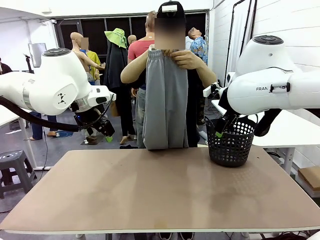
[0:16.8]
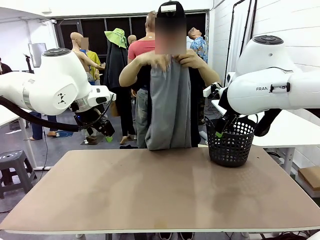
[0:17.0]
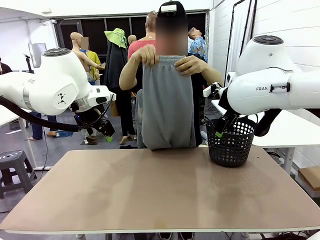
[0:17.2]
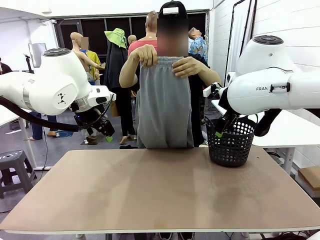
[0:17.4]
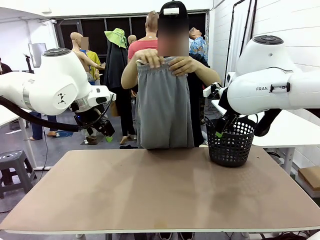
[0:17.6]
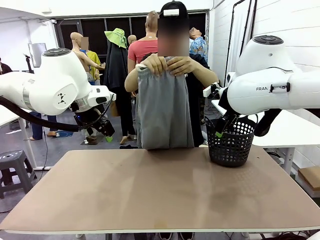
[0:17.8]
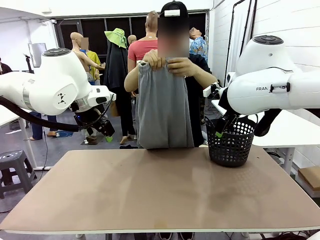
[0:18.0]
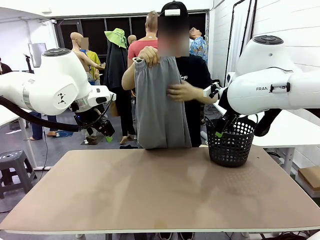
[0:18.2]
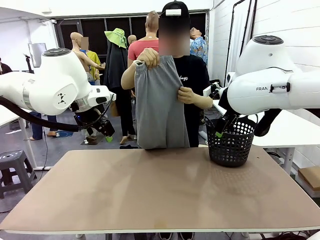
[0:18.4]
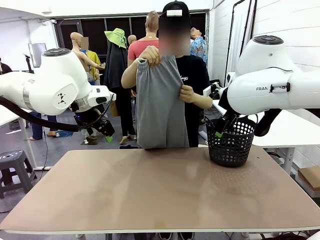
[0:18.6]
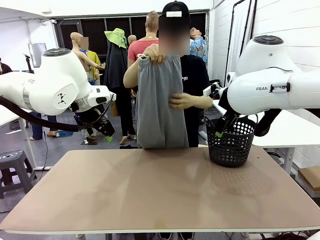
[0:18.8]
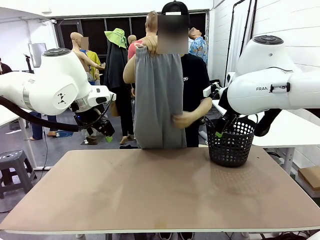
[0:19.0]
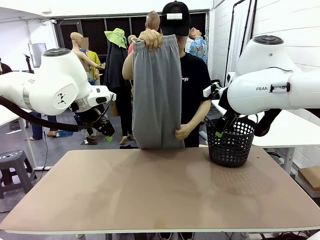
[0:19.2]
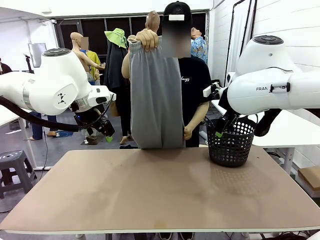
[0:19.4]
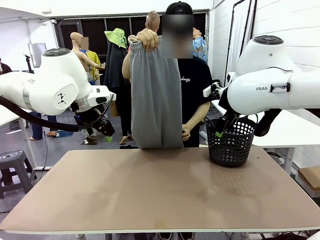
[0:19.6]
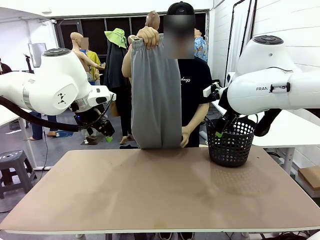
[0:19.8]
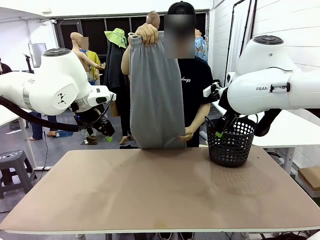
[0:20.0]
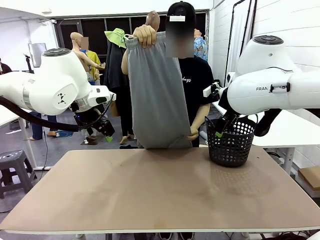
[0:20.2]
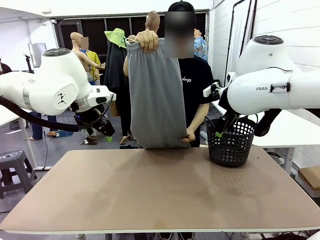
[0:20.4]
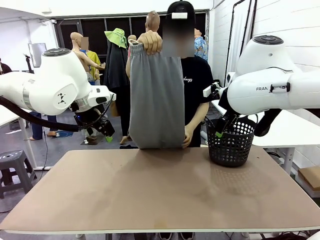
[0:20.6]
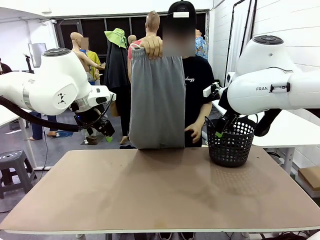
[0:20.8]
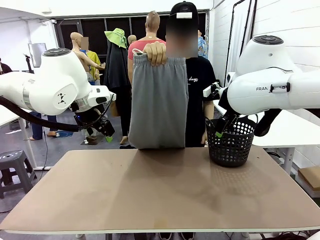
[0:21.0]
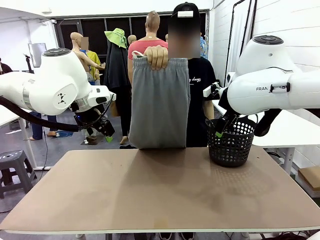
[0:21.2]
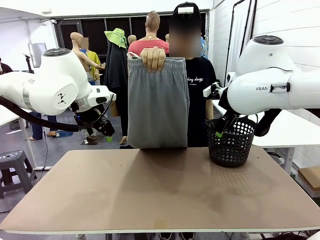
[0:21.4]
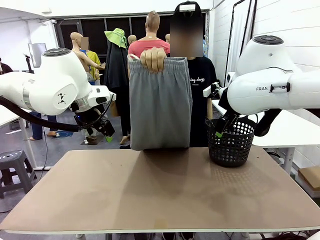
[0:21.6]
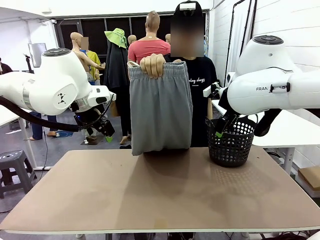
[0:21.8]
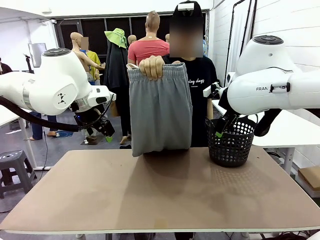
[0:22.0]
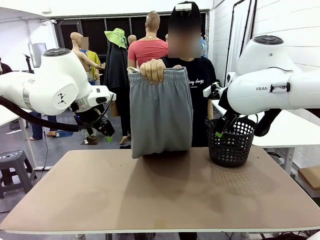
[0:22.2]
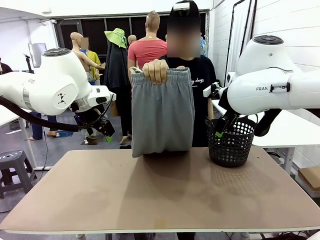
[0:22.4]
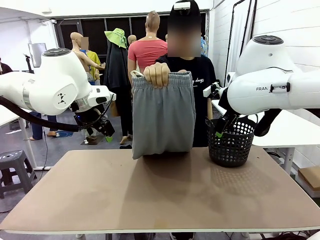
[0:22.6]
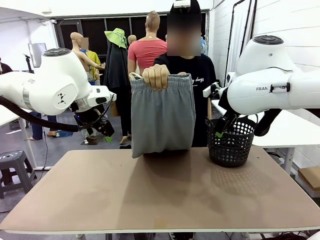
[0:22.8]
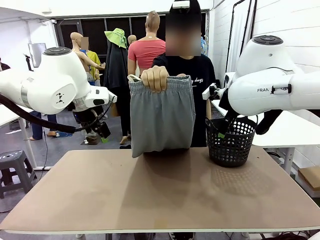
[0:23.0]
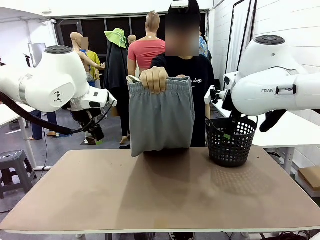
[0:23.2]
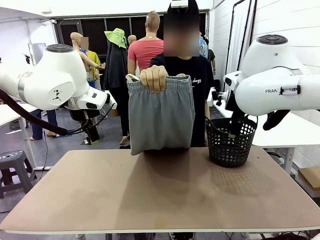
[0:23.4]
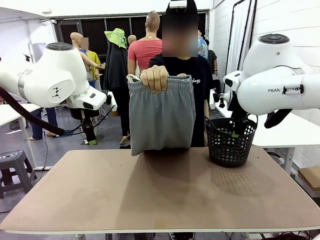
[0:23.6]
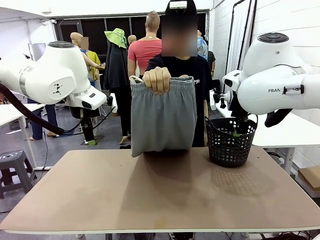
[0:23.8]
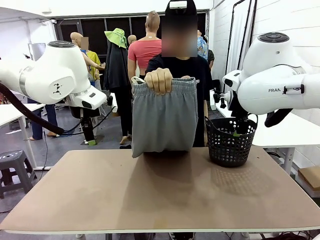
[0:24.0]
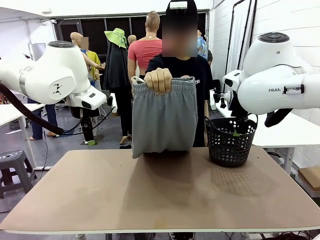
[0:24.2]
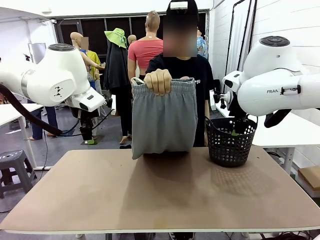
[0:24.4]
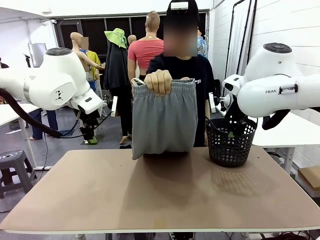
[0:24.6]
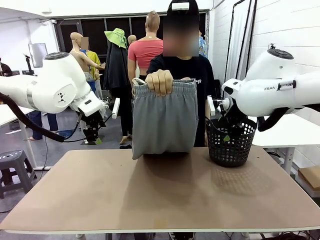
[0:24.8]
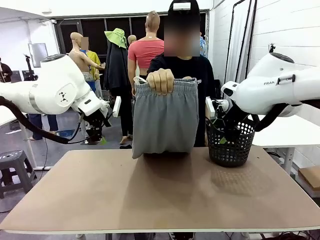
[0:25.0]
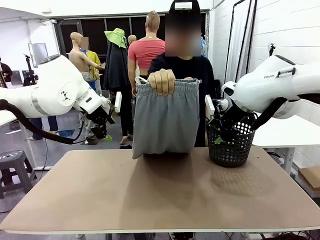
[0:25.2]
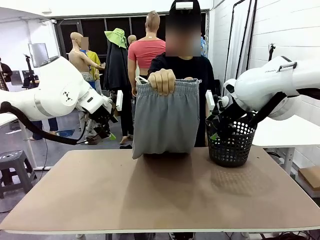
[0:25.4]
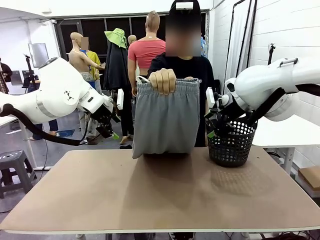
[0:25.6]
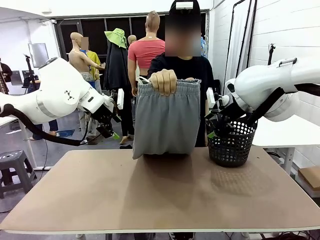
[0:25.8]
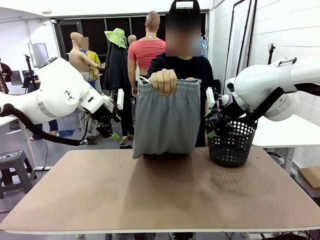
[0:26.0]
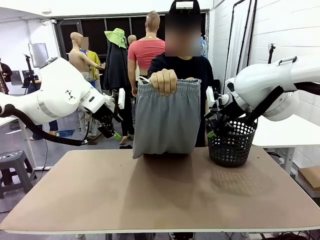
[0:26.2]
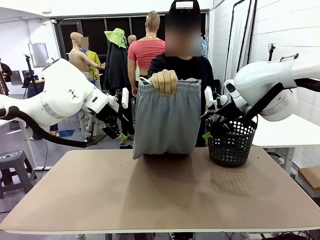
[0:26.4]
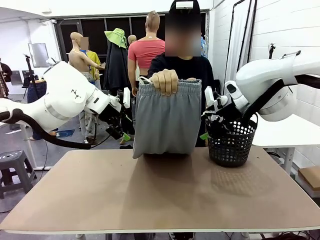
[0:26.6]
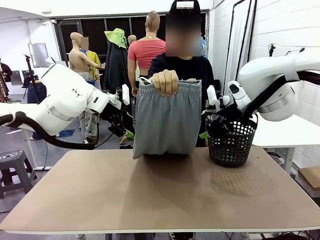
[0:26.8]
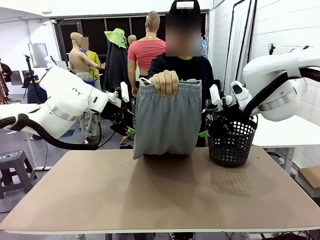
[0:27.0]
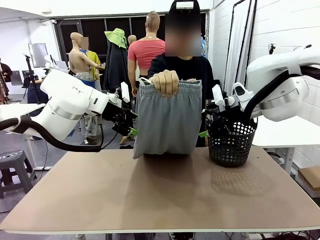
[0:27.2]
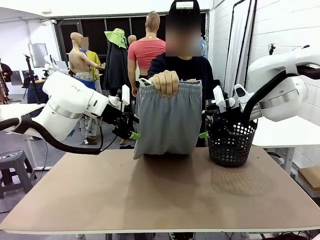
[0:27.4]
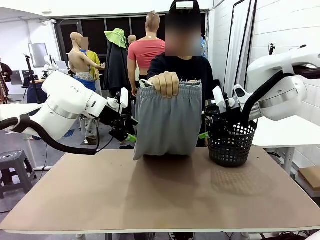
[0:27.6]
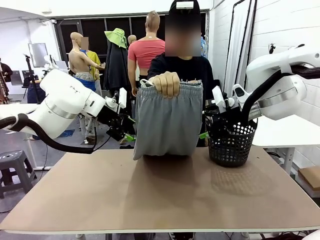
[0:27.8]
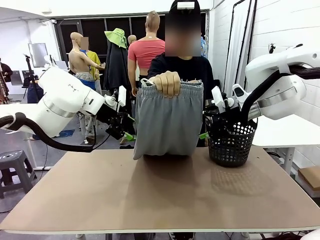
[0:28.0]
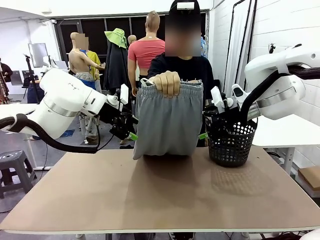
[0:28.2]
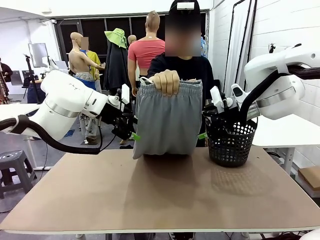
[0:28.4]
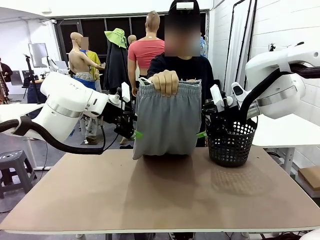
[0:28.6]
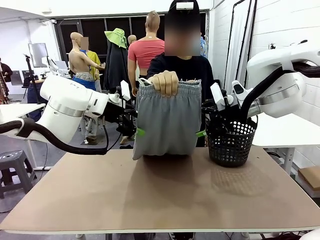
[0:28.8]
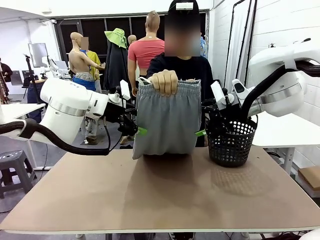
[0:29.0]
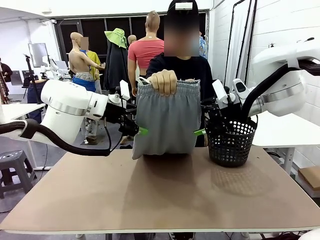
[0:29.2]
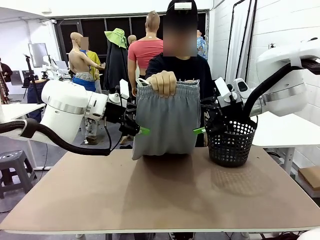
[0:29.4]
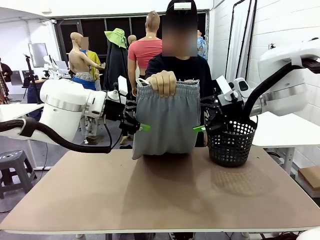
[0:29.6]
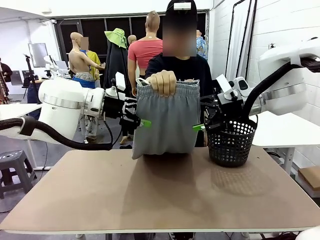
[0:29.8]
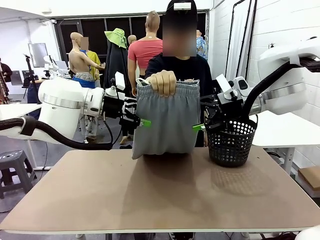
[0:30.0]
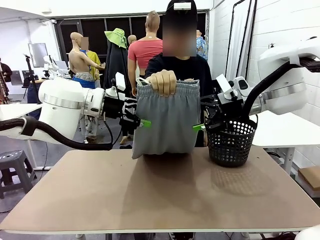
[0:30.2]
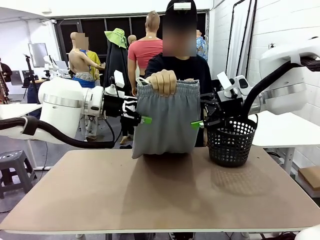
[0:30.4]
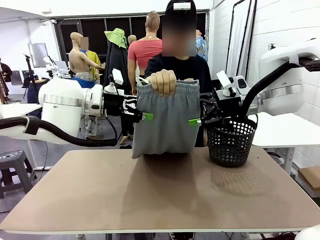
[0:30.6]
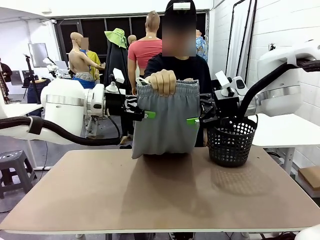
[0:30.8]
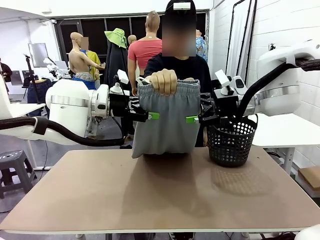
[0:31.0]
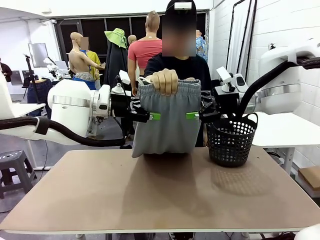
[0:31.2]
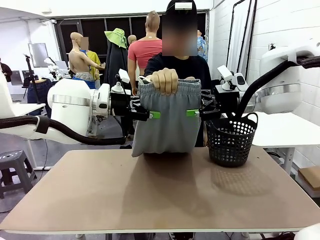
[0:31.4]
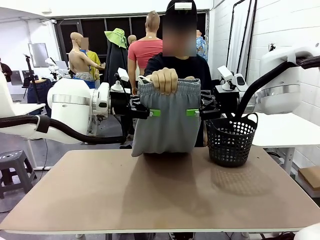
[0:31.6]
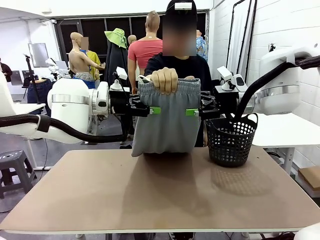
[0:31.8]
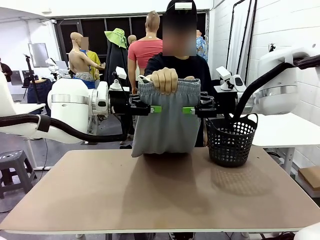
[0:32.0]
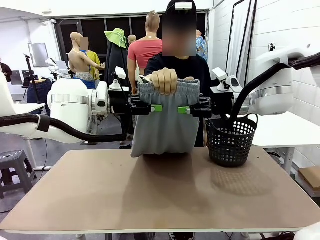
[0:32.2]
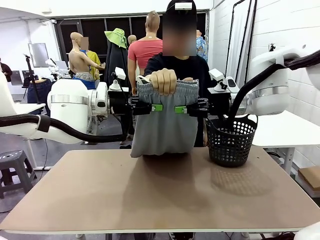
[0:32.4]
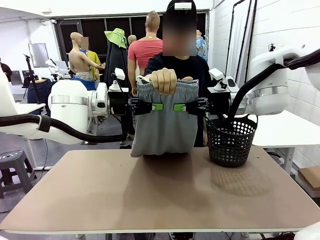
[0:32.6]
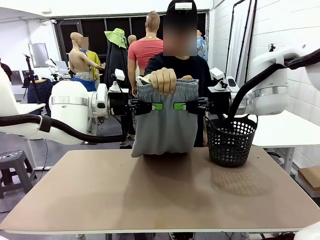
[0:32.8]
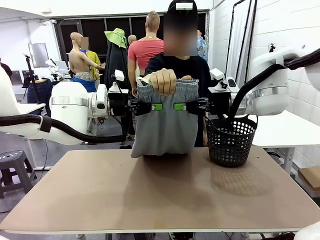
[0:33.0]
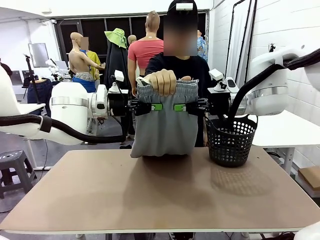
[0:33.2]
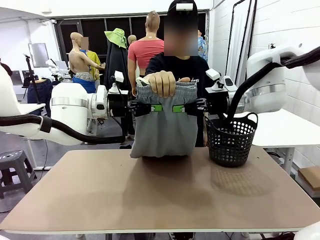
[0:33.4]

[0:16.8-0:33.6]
Task: Fold the training pants.
Robot: Grab both ends of the Training pants handed by a person.
